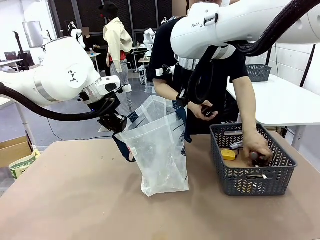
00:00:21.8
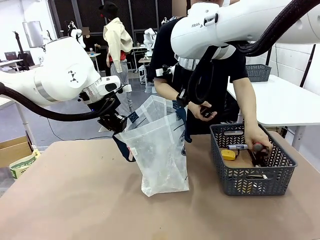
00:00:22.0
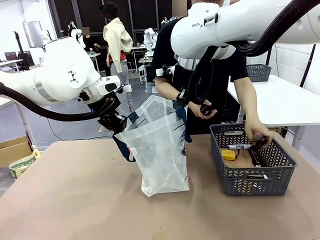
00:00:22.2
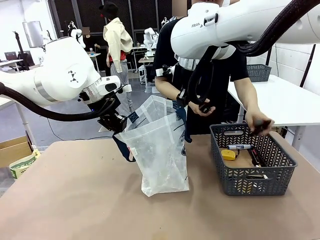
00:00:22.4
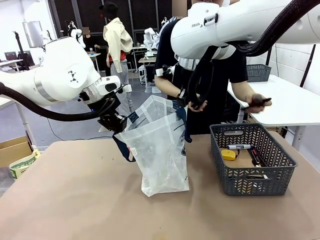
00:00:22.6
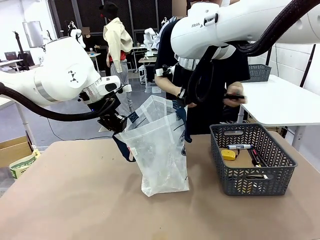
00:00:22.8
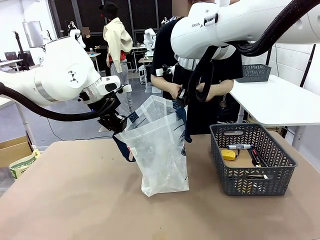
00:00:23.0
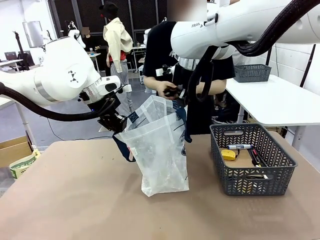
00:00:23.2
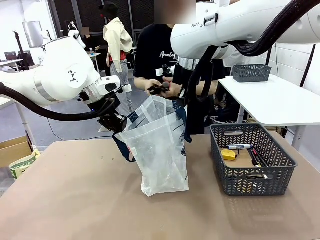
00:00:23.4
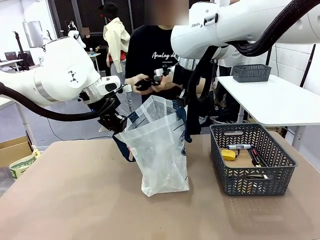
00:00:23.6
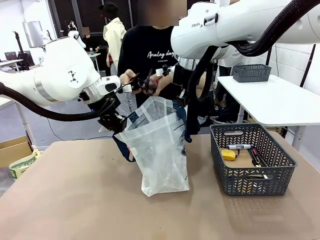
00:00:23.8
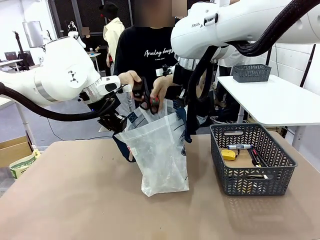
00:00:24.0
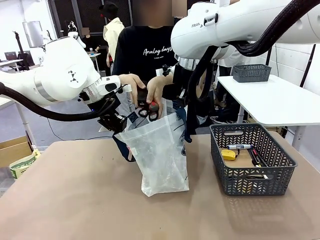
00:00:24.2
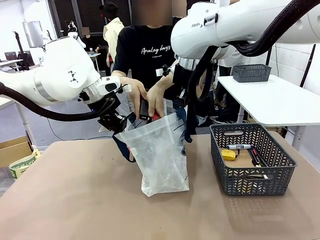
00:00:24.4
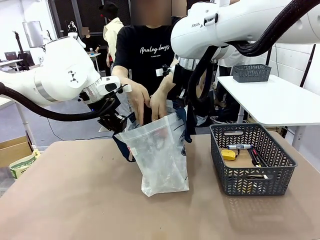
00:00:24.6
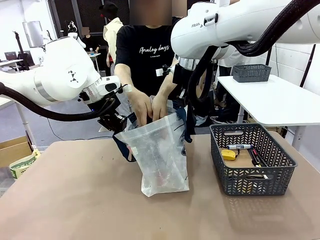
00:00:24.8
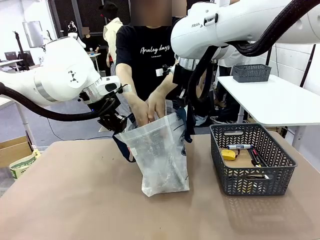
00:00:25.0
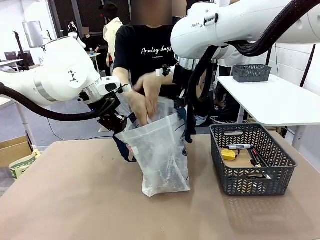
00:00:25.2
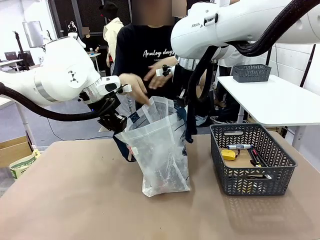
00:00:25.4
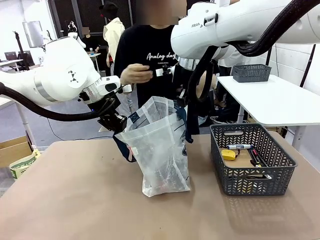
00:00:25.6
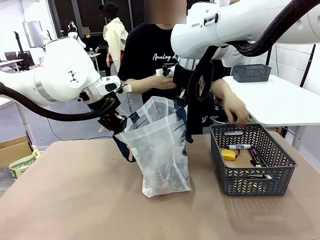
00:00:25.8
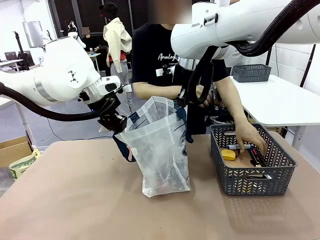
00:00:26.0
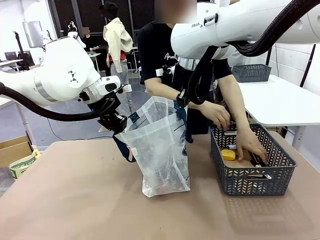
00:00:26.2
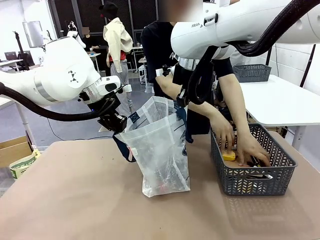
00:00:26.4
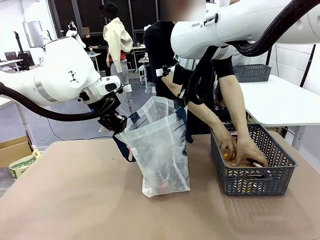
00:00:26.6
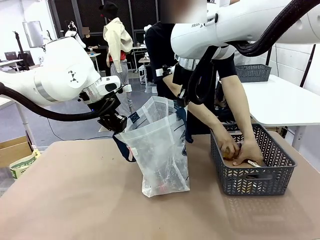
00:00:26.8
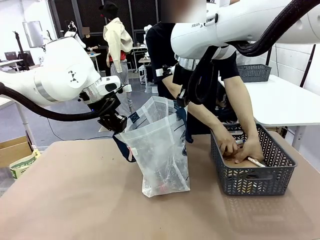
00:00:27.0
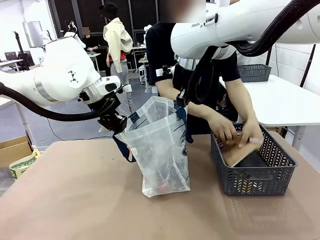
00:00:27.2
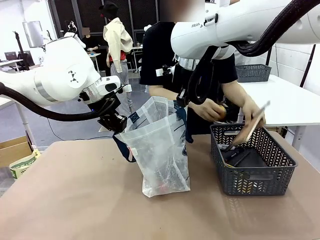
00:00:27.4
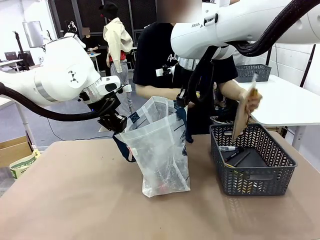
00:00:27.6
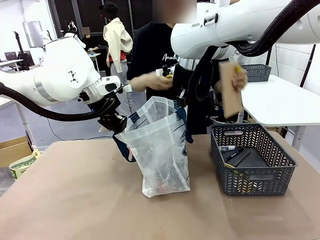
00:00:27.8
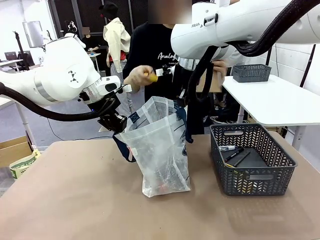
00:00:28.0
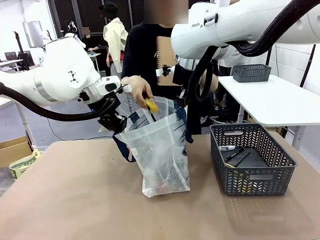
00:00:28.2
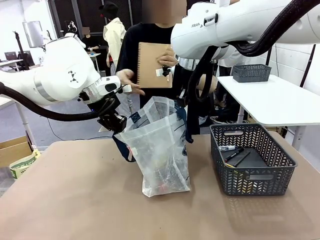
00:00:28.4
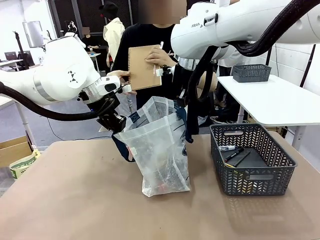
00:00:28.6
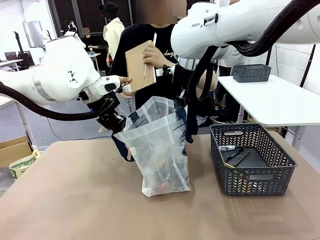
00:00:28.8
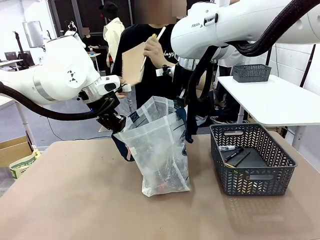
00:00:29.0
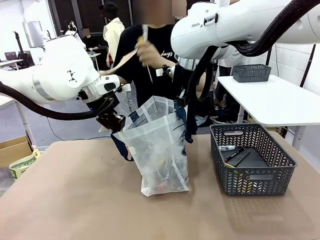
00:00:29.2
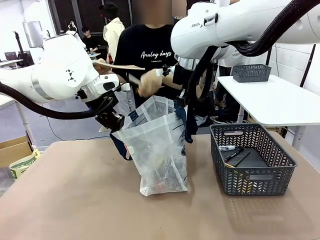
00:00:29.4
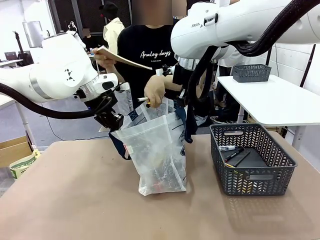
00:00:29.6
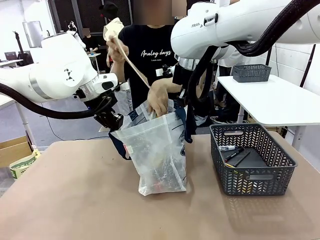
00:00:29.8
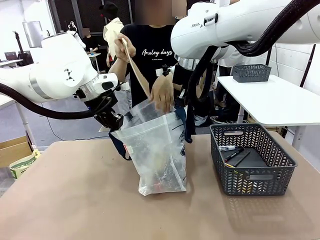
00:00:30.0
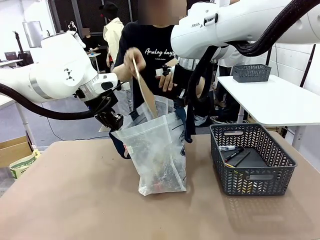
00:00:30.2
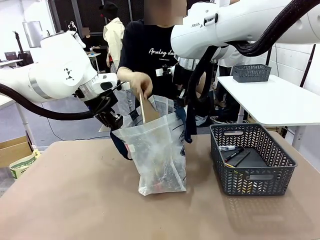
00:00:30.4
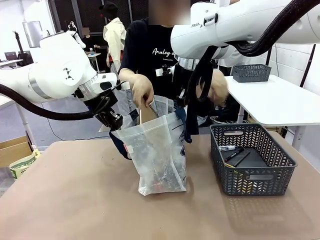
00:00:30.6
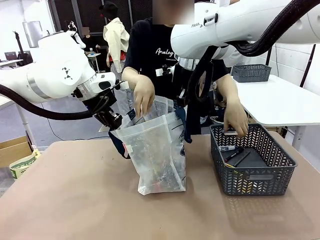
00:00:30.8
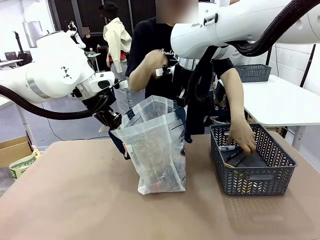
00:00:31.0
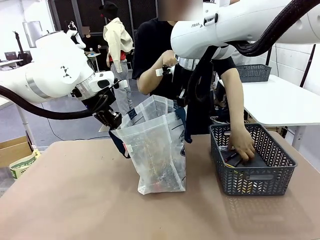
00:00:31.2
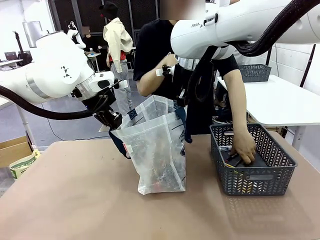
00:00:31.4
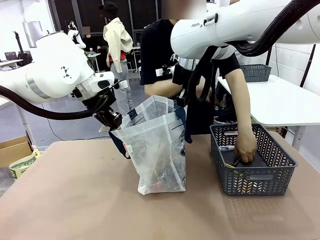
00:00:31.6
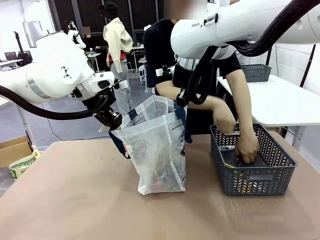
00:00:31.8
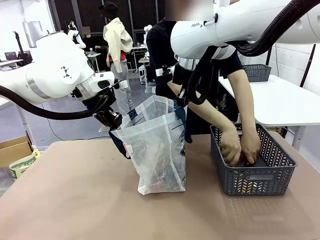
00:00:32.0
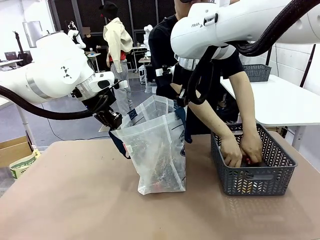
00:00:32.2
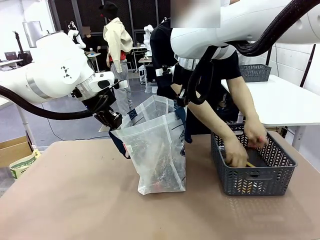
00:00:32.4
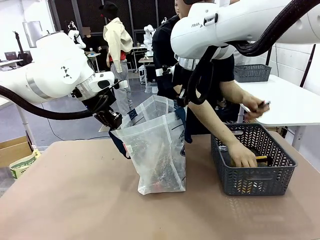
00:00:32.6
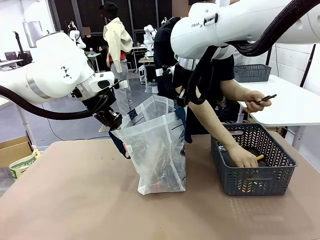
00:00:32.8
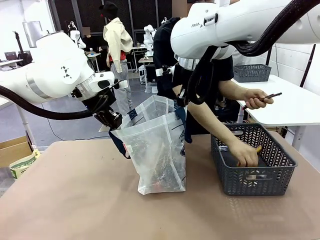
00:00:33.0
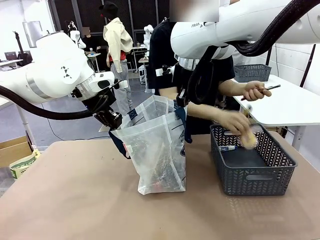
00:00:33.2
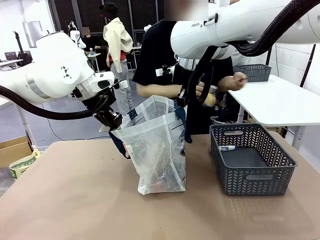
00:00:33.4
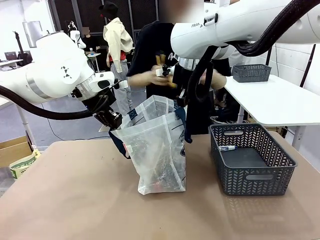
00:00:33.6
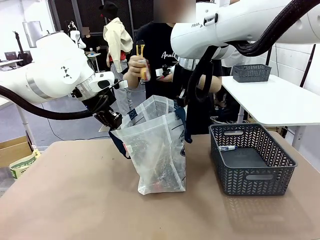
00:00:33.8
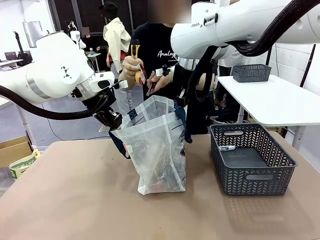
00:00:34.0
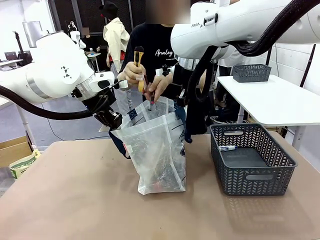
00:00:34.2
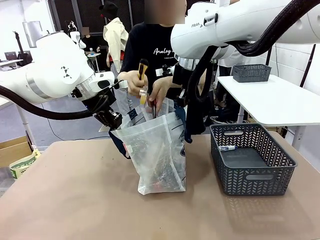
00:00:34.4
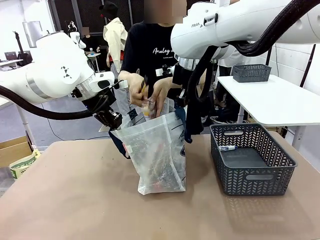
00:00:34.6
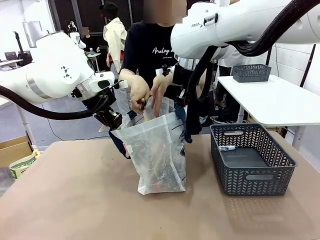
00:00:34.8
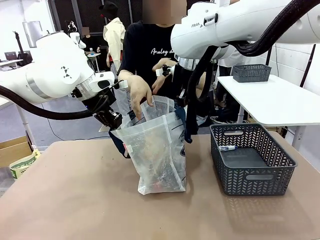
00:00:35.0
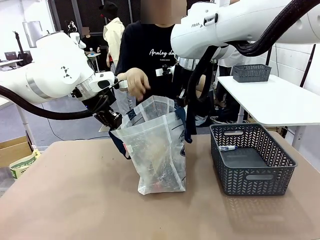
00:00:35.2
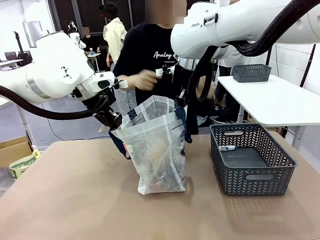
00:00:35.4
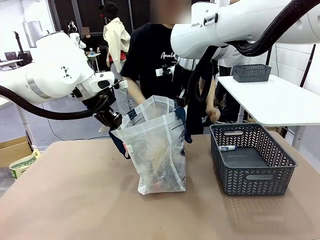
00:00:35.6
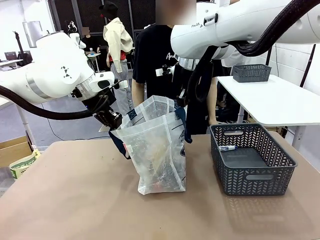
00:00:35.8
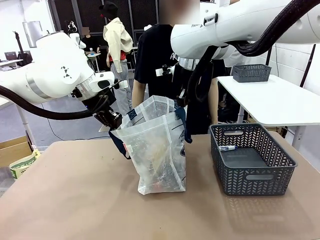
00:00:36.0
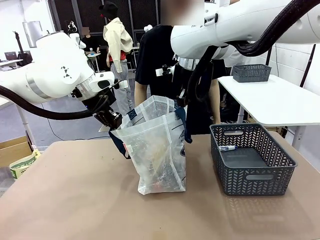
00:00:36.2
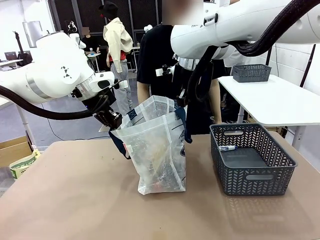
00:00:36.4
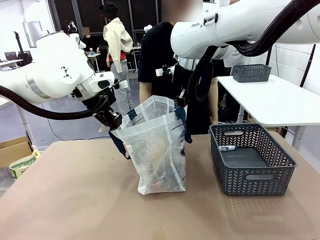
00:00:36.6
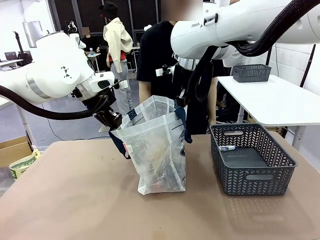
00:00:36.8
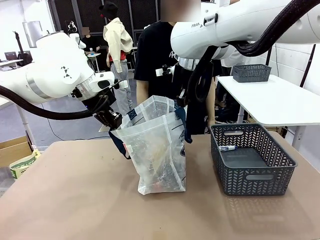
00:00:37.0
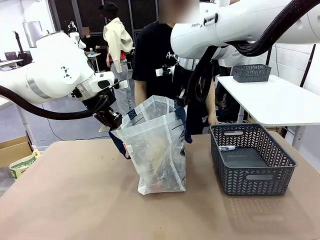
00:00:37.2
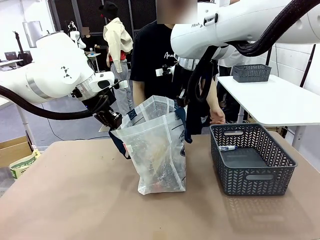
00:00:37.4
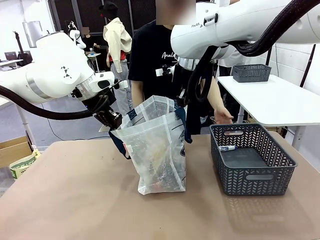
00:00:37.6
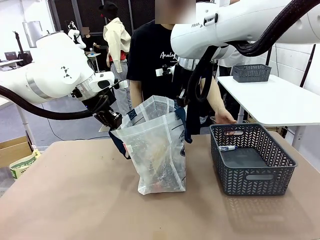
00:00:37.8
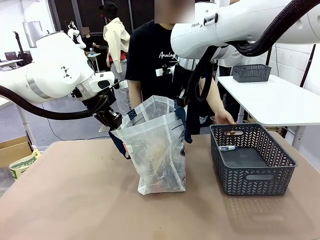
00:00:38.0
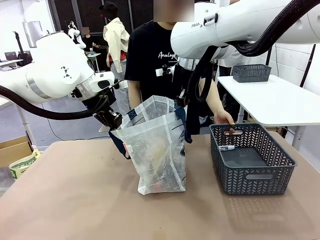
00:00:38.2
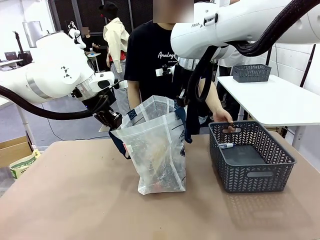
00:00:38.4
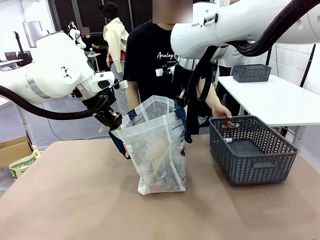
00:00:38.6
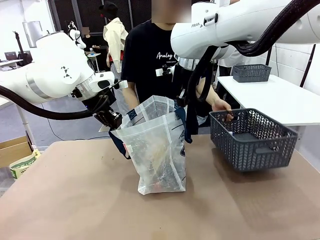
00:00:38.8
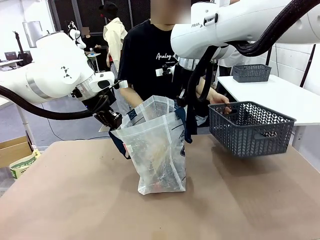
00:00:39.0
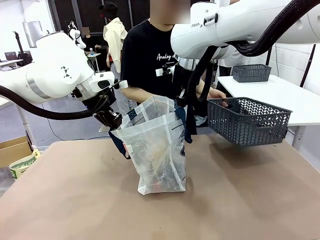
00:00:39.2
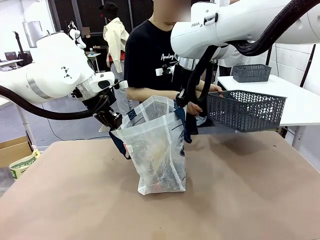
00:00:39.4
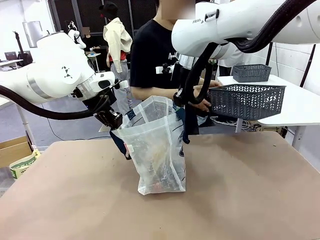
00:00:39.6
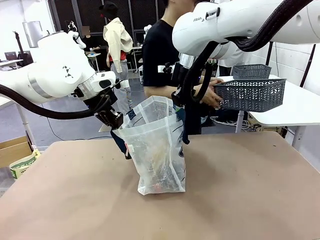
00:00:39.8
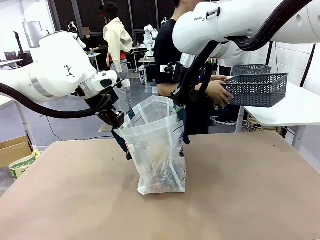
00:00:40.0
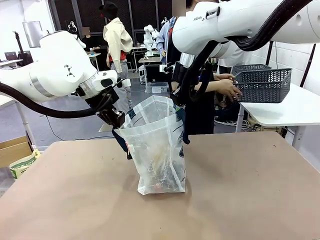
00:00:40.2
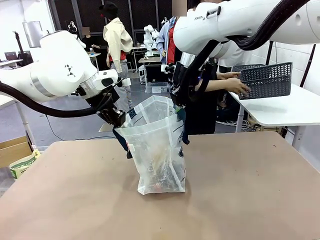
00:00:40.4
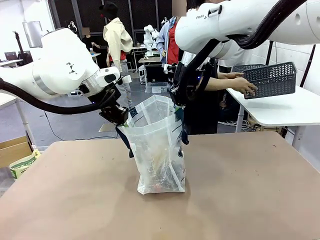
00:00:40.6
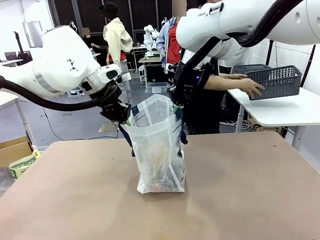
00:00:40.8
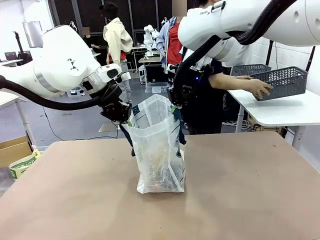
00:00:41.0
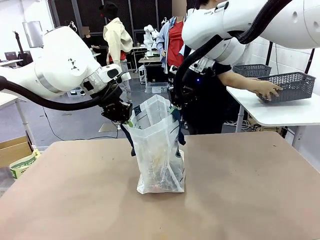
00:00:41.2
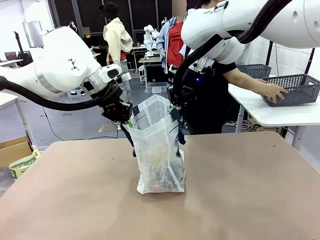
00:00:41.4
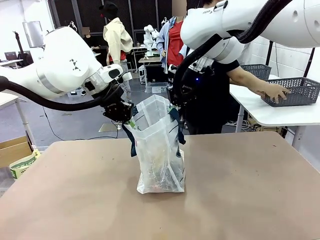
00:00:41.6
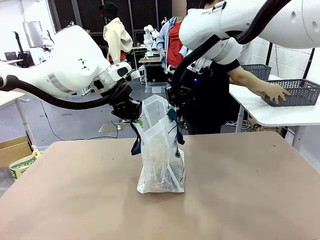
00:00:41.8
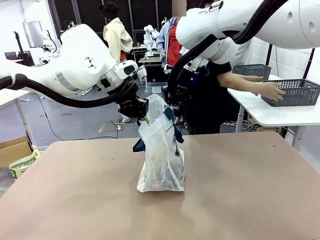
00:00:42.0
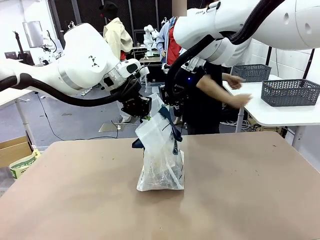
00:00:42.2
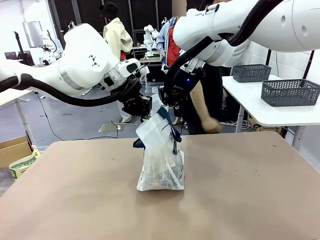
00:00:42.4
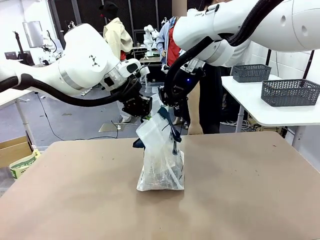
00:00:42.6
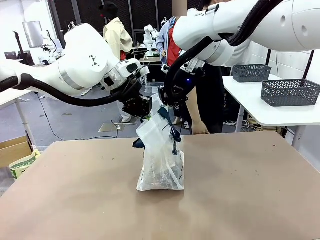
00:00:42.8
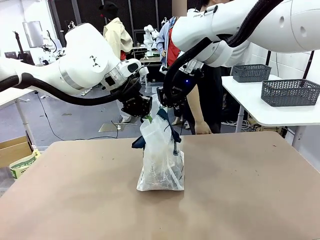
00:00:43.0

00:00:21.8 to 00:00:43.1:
Task: Transfer purchased items from the store into the shopping bag.
Robot: Move the Reusable shopping bag to the right side of the table.
Person: Pick up the basket on the right, place it on the left side of the robot table, and move the items in the basket to the shopping bag. Pick up the basket with the items out and place it on the right side of the human table.
